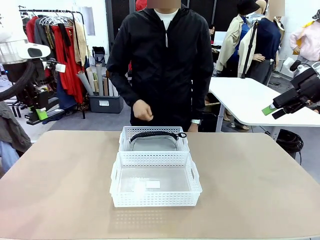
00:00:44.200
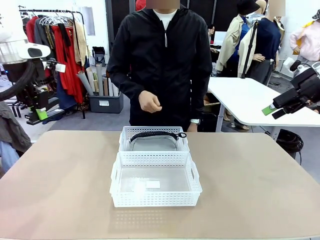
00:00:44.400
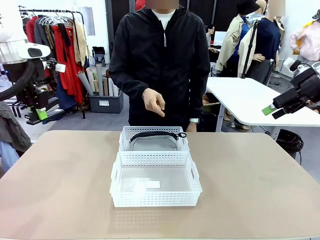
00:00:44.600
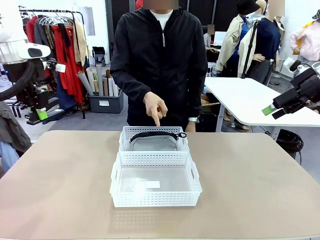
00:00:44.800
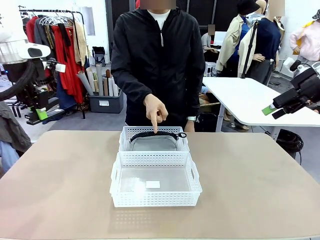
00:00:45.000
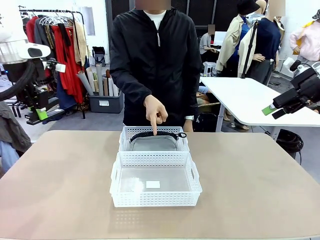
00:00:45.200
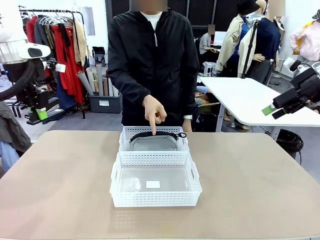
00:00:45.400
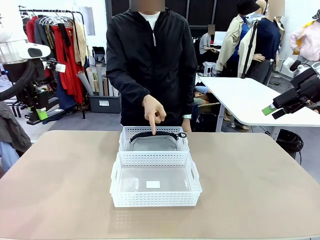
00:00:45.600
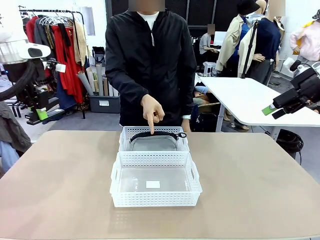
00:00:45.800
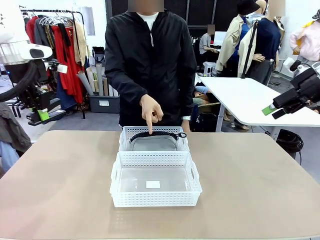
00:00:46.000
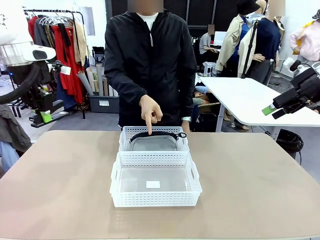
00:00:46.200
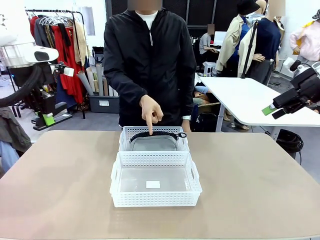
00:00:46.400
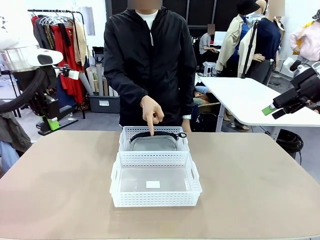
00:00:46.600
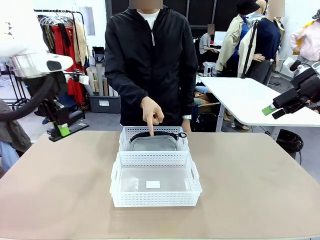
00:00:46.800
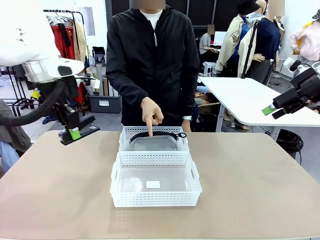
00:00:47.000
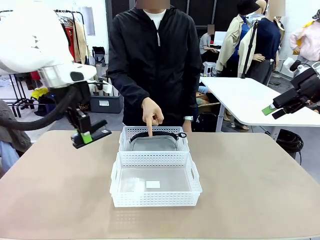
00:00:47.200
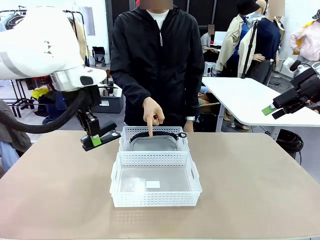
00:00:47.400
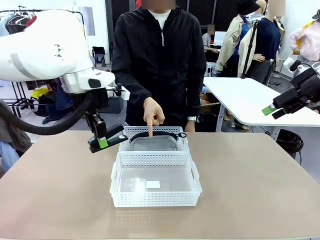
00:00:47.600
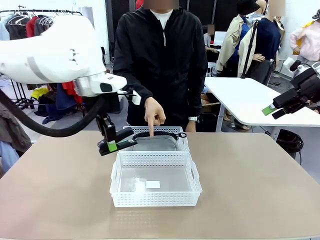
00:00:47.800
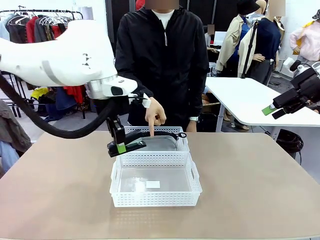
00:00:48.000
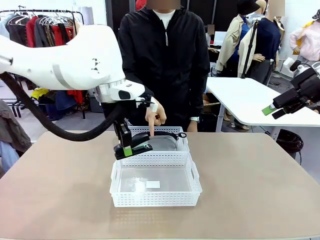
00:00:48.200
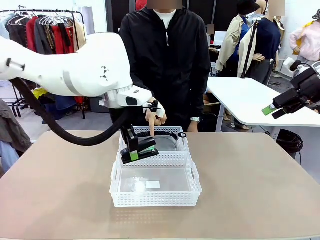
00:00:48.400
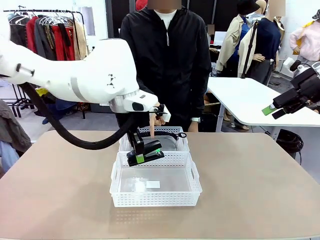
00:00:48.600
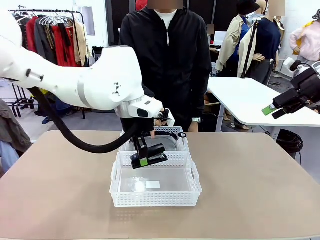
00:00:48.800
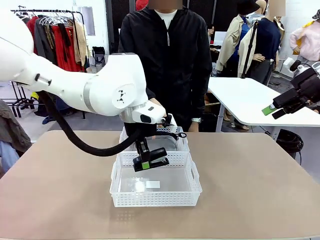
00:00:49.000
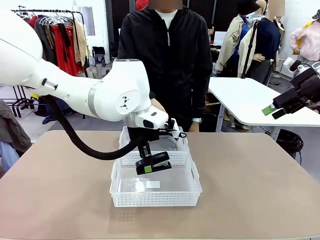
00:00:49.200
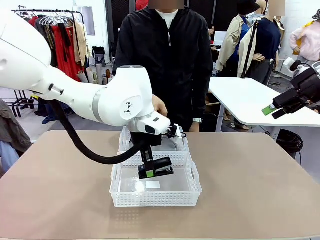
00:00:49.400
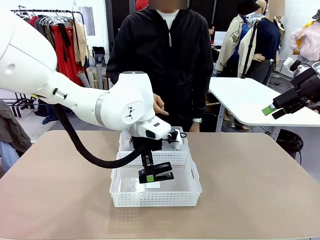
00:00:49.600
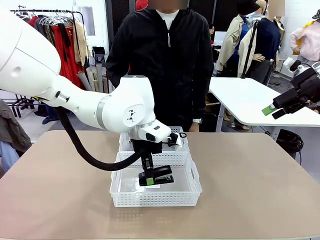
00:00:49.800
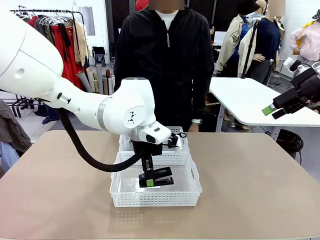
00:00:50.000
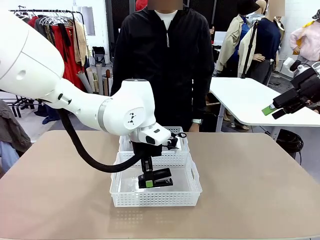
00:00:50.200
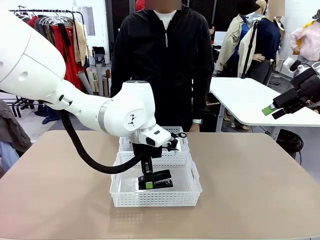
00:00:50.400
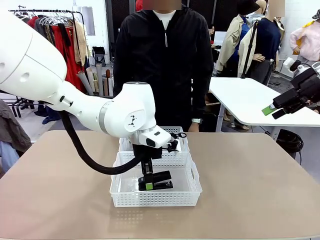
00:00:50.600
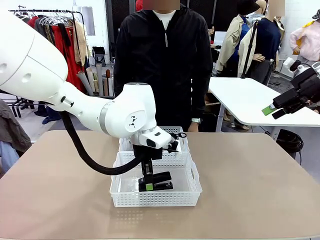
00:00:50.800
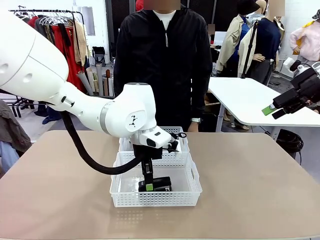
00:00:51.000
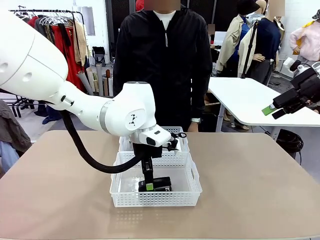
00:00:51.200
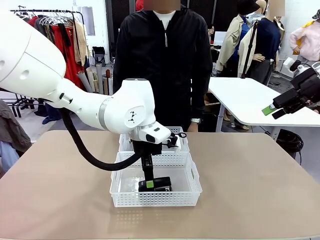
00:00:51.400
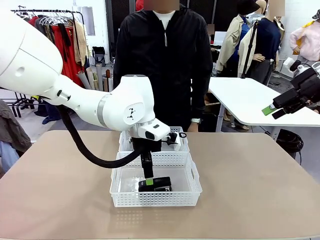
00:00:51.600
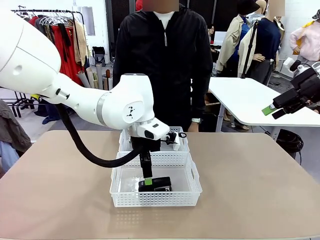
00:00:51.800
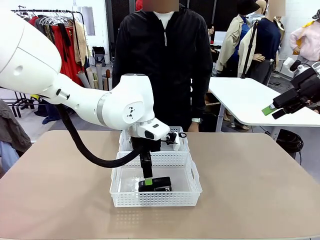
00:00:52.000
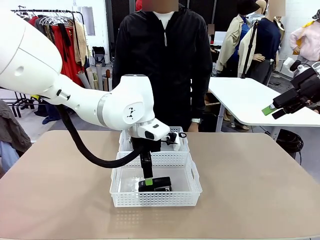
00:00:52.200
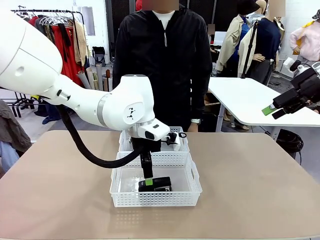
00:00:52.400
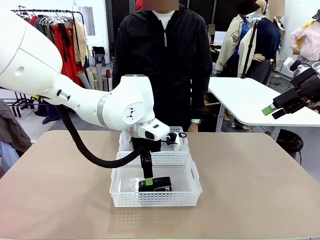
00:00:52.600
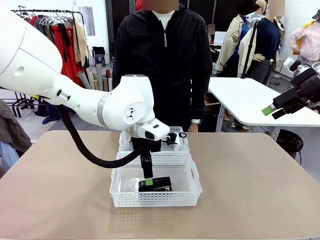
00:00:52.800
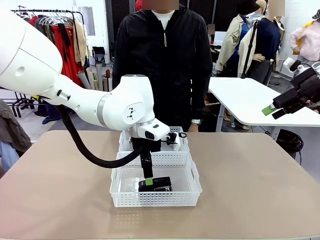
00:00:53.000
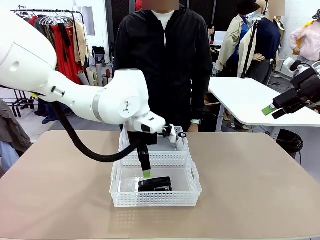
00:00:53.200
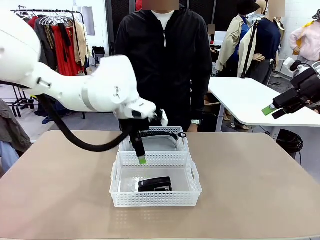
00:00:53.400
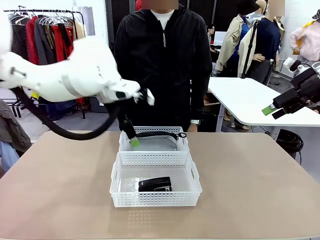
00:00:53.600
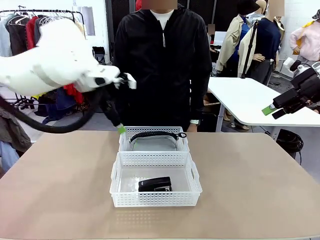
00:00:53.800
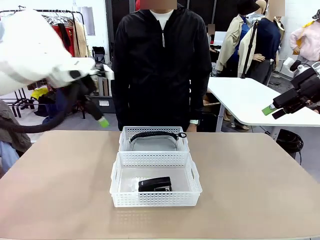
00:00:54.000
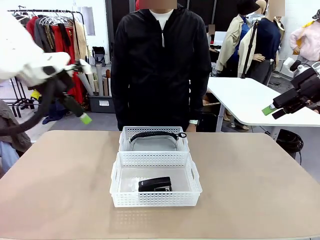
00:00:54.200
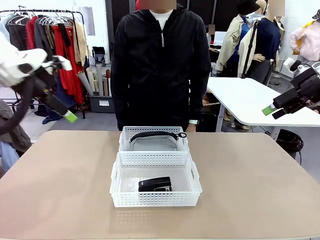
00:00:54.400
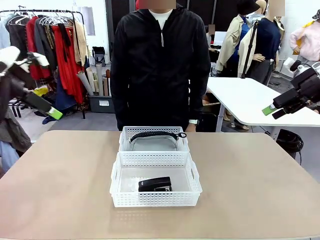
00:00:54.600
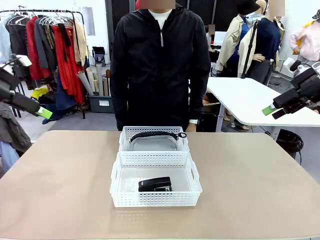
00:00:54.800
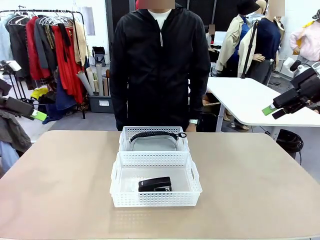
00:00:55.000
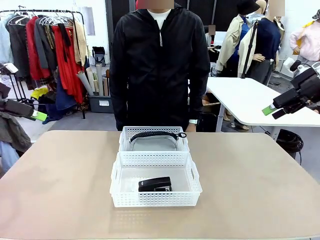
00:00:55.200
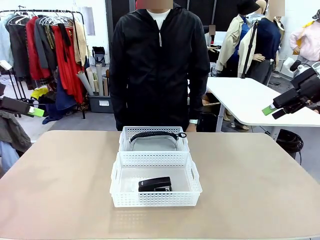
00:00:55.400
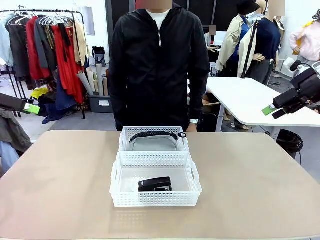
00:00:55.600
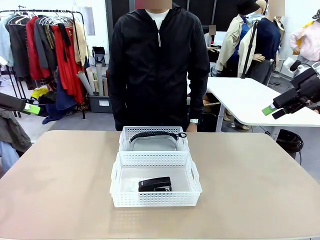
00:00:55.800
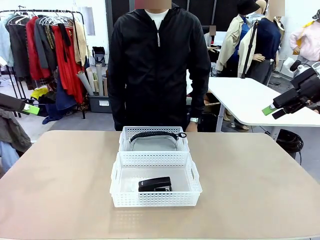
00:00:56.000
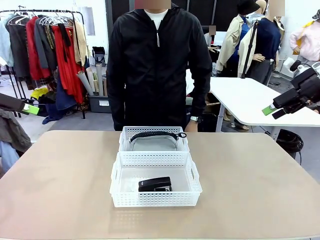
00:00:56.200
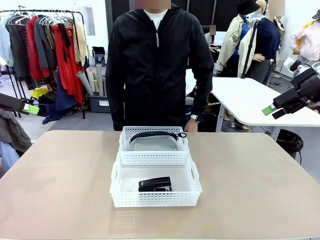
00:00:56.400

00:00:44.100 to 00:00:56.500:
Task: Distribute items into two baskets.
Robot: Place the picked Stapler into the Organizing basket as instructed by the person.
Person: Points to the basket that does not contain the pencil case and instructs the robot to move the stapler there.

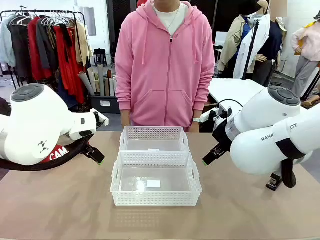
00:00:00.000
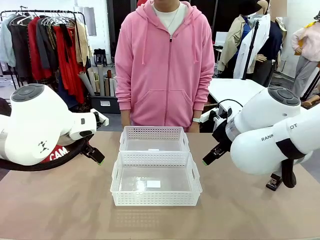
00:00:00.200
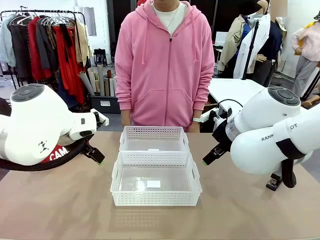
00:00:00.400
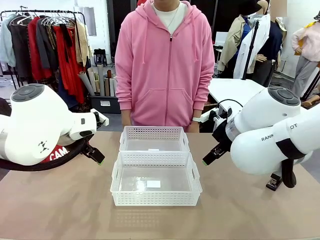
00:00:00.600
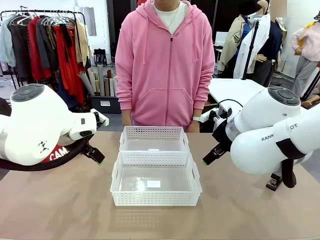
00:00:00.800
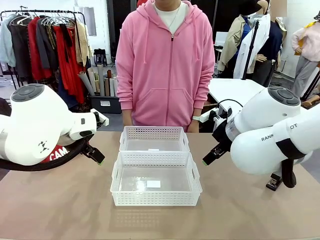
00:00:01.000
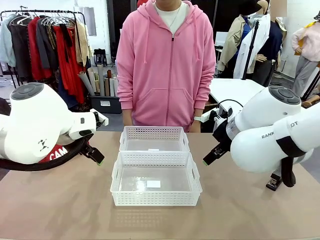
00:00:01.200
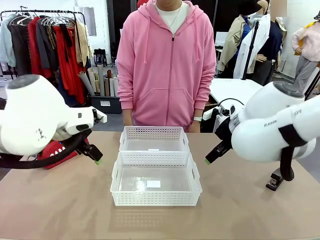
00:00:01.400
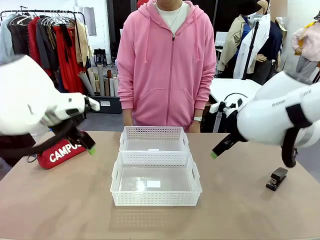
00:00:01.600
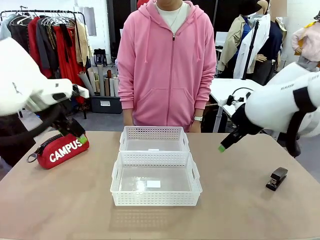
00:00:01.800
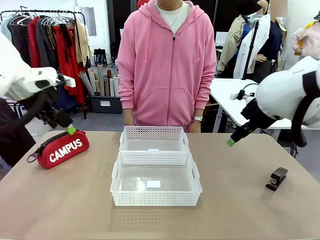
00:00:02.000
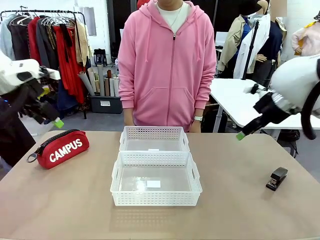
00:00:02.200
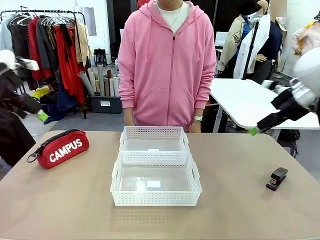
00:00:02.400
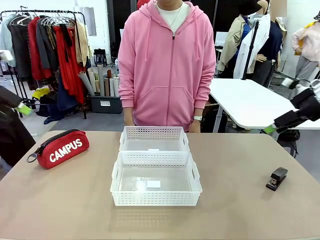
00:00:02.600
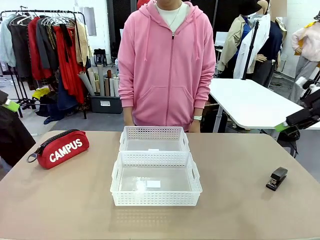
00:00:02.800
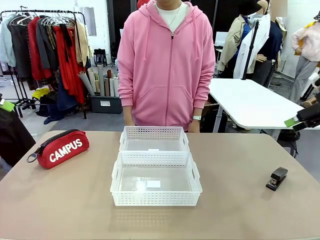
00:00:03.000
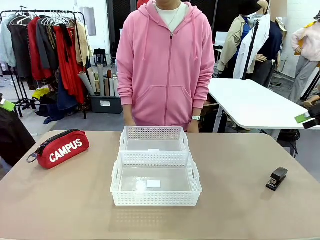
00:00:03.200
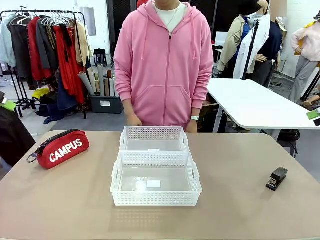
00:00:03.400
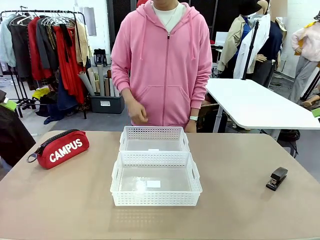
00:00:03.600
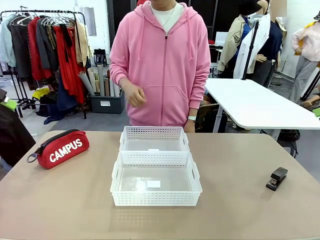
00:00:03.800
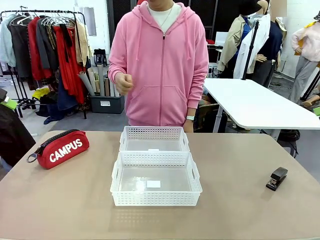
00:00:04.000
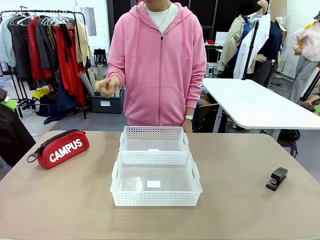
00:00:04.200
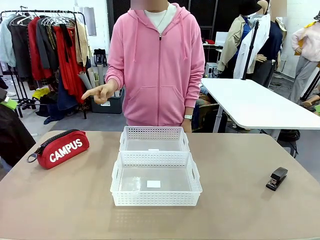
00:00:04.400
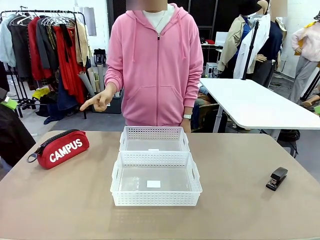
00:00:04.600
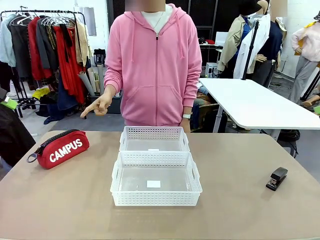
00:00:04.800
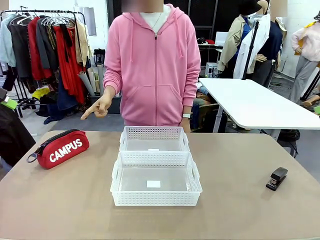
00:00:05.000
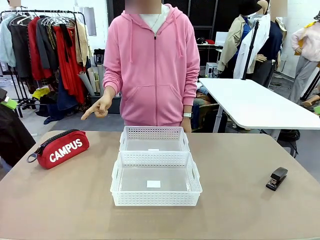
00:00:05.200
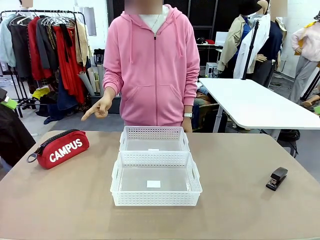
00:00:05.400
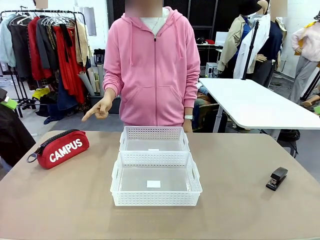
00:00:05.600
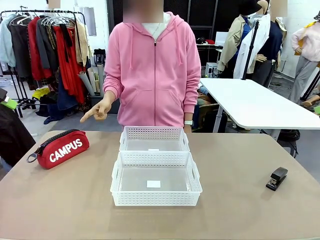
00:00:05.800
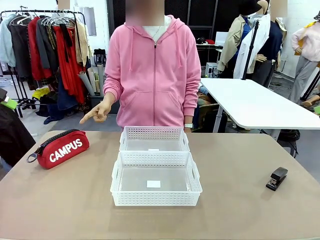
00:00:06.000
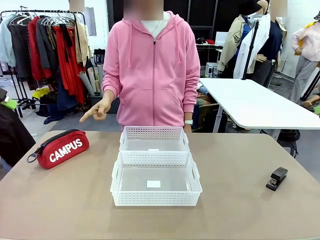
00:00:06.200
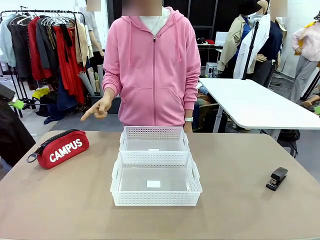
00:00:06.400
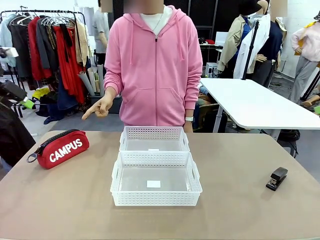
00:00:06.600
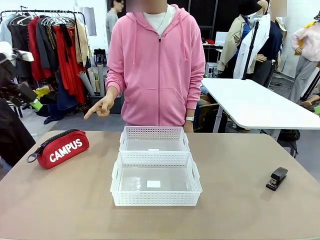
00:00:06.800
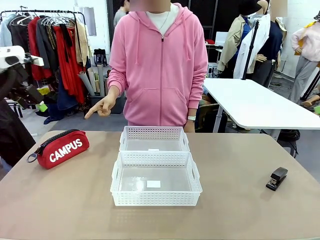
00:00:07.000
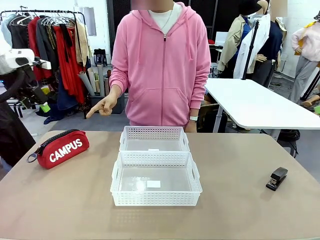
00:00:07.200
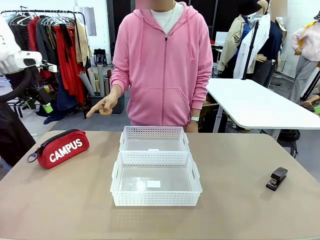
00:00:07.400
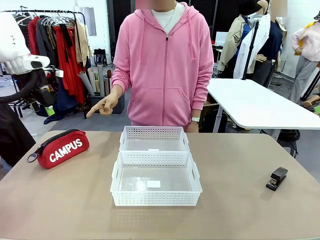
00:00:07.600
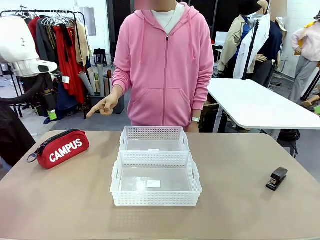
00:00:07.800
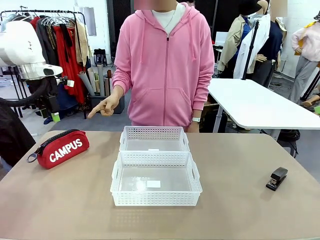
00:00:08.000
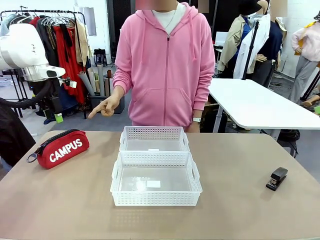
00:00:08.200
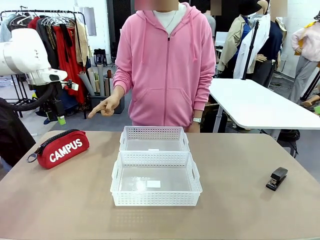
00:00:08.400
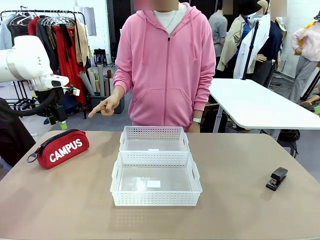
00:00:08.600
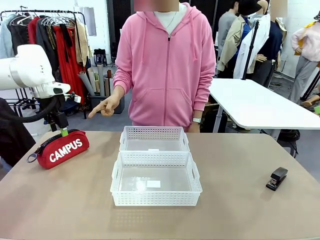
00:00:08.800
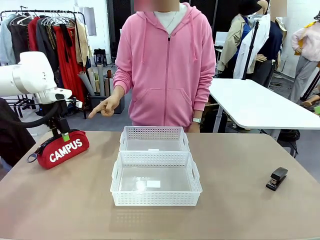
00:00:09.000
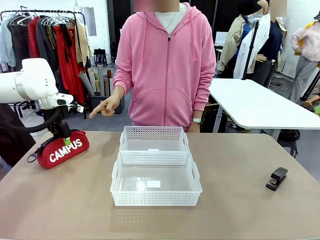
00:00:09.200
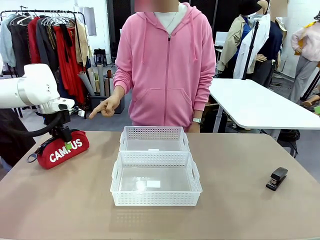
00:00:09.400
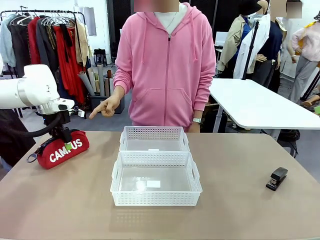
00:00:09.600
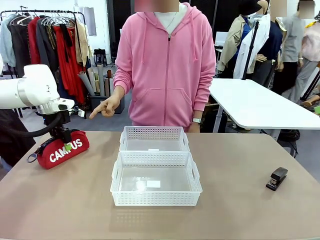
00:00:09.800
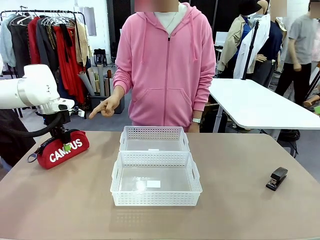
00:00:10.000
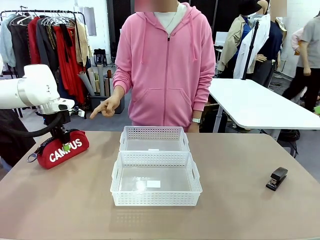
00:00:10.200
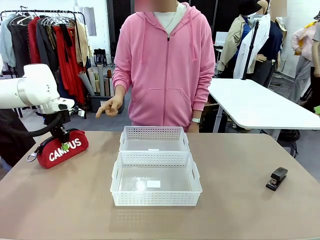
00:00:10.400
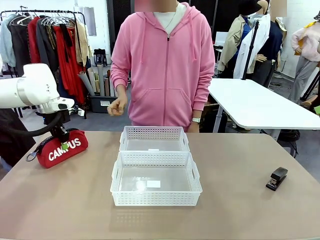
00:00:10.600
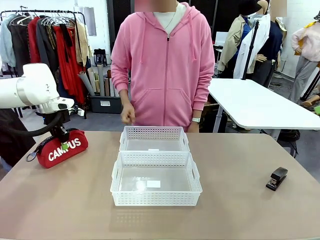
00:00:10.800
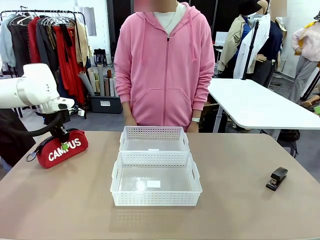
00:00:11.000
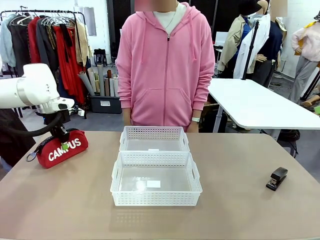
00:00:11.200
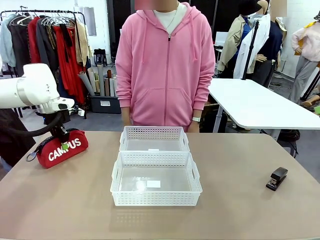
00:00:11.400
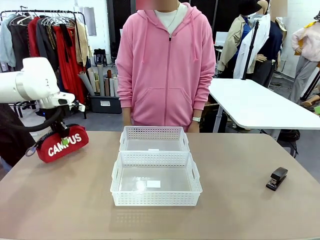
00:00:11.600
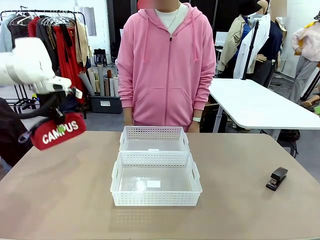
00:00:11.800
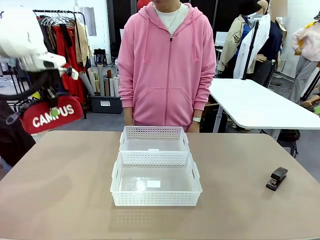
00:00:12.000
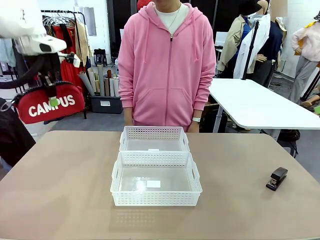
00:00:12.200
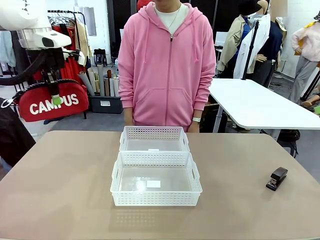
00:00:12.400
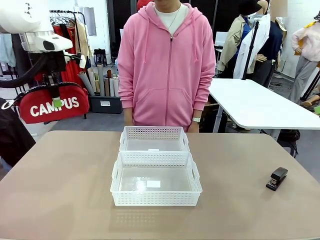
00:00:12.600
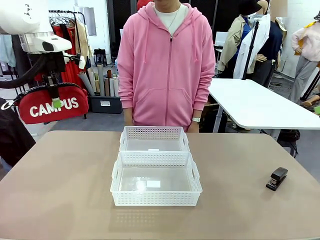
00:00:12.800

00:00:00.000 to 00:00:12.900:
Task: Distribute items into two baskets.
Robot: Pick up the Pencil pouch that the person points to.
Person: Points to the pencil case. Points between the two organizing baskets and instructs the robot to move the pencil case.
